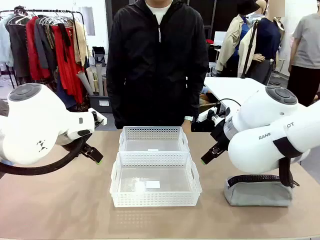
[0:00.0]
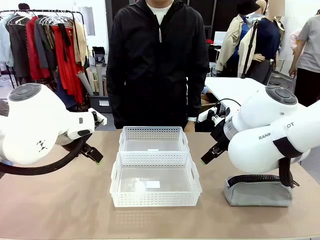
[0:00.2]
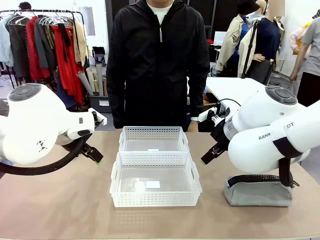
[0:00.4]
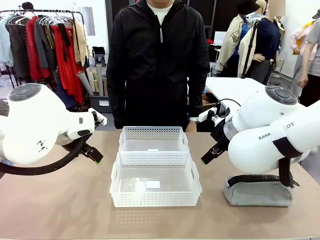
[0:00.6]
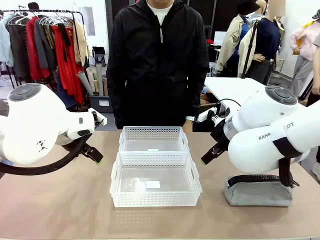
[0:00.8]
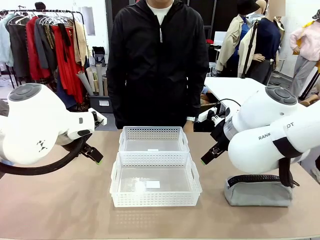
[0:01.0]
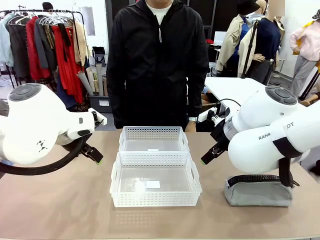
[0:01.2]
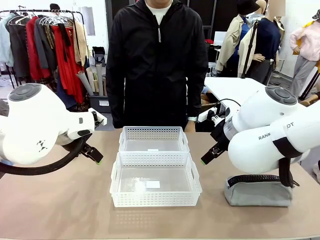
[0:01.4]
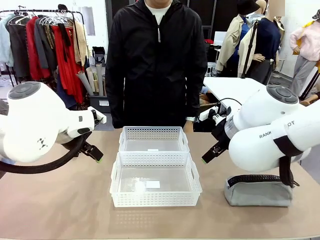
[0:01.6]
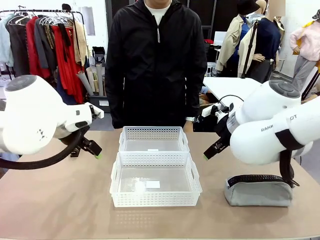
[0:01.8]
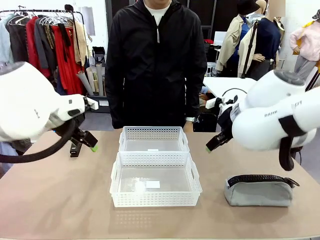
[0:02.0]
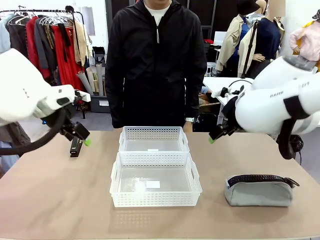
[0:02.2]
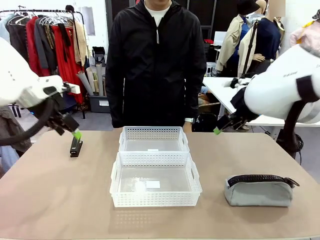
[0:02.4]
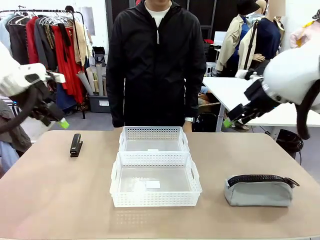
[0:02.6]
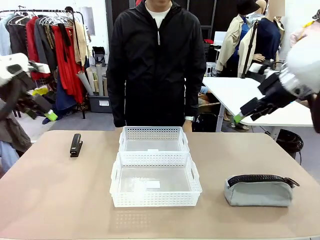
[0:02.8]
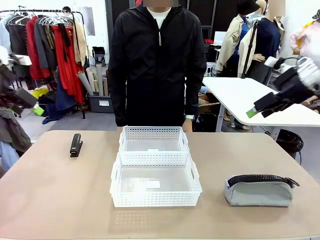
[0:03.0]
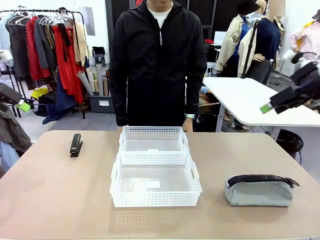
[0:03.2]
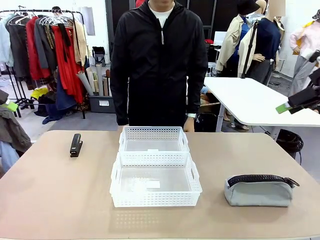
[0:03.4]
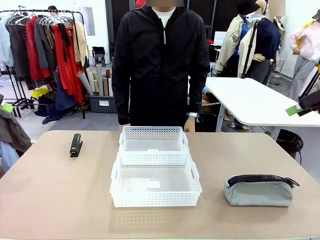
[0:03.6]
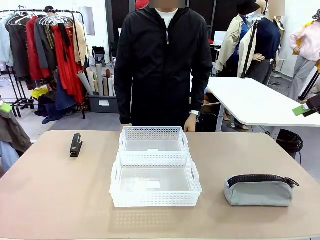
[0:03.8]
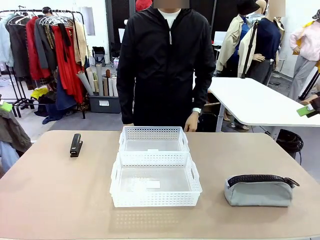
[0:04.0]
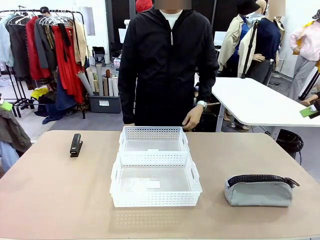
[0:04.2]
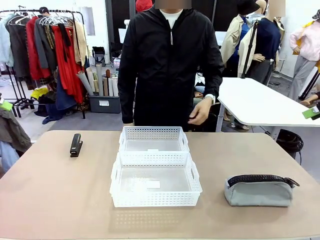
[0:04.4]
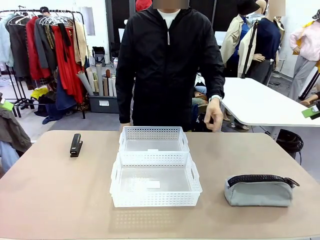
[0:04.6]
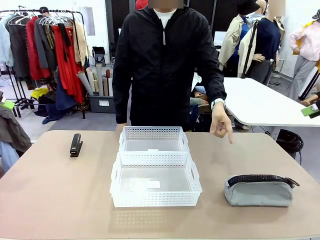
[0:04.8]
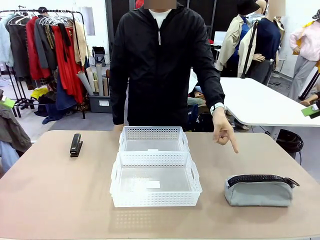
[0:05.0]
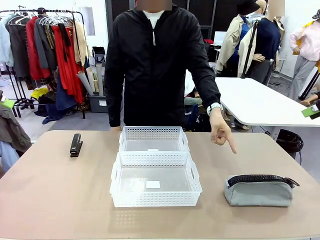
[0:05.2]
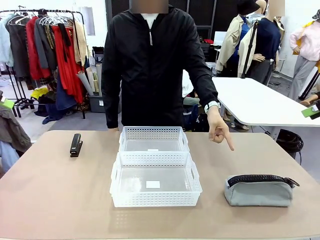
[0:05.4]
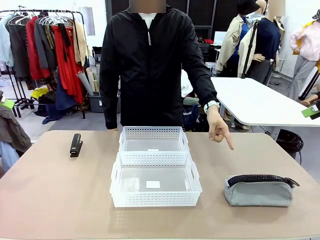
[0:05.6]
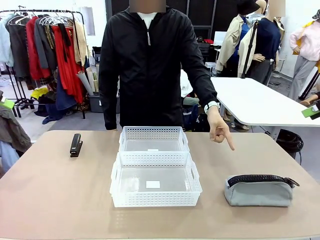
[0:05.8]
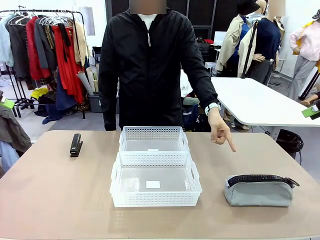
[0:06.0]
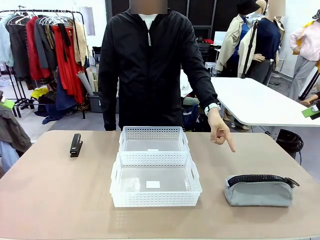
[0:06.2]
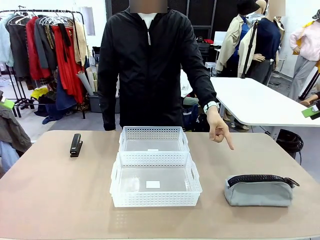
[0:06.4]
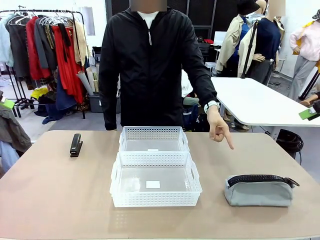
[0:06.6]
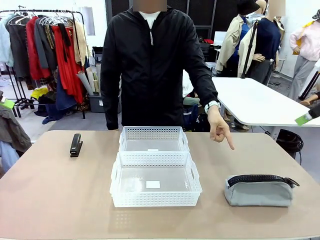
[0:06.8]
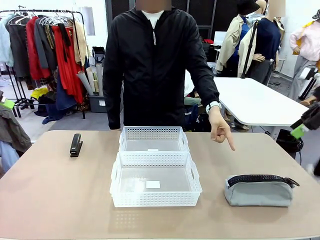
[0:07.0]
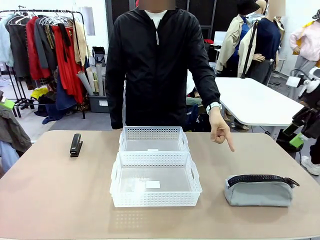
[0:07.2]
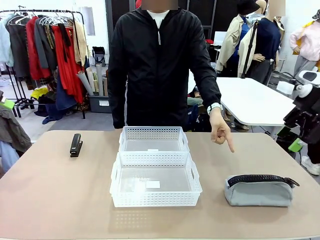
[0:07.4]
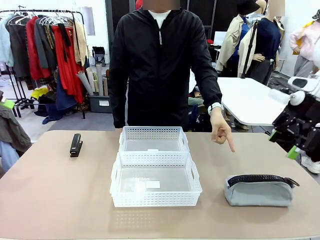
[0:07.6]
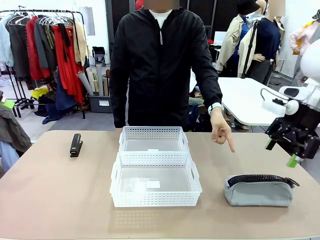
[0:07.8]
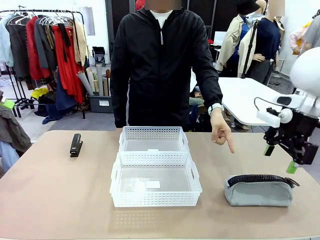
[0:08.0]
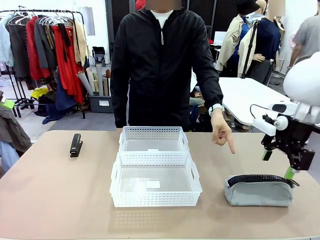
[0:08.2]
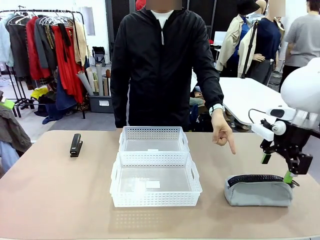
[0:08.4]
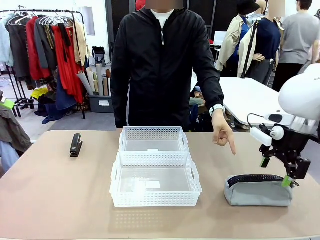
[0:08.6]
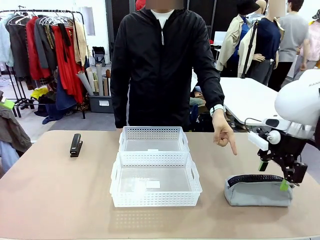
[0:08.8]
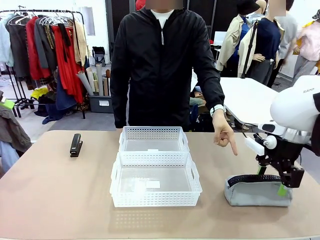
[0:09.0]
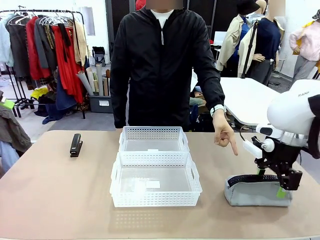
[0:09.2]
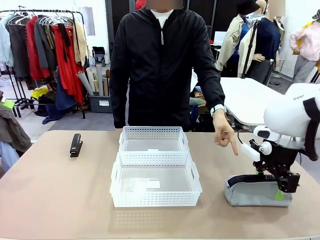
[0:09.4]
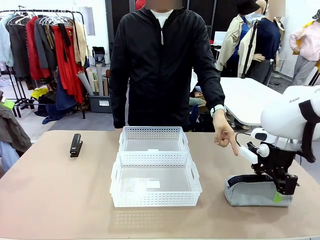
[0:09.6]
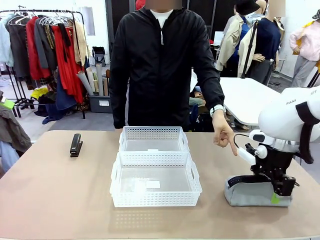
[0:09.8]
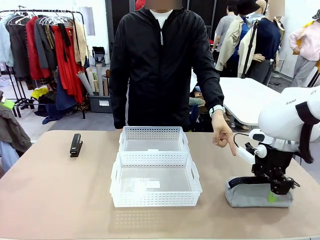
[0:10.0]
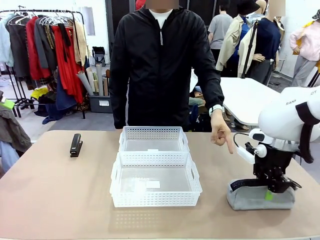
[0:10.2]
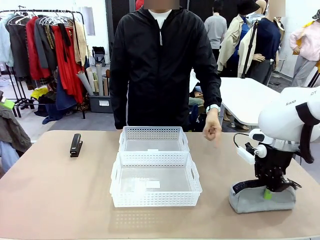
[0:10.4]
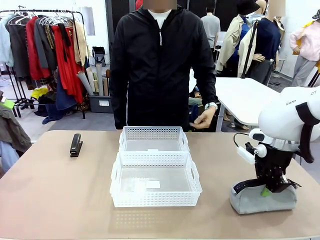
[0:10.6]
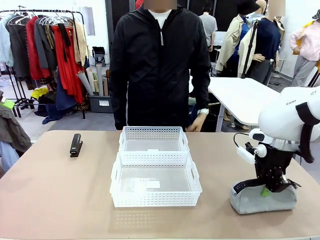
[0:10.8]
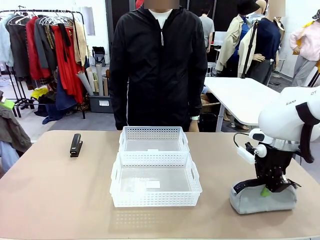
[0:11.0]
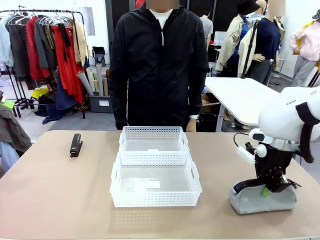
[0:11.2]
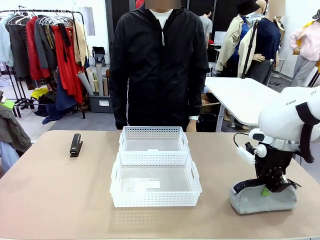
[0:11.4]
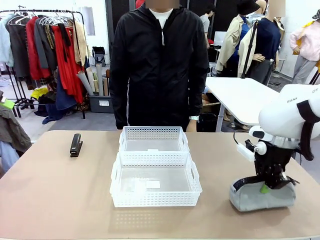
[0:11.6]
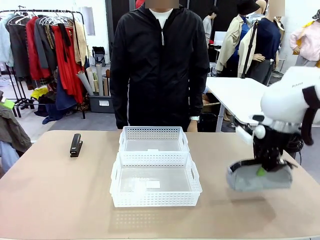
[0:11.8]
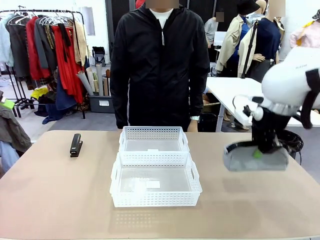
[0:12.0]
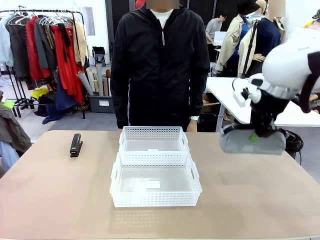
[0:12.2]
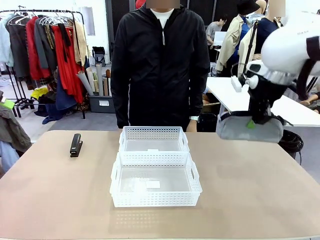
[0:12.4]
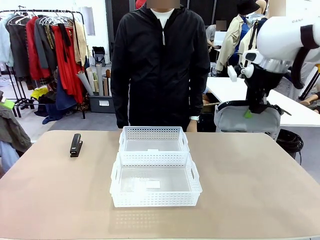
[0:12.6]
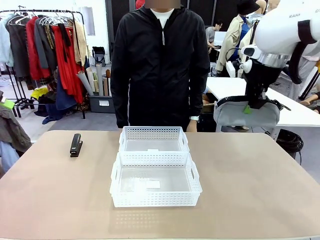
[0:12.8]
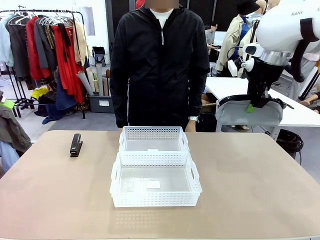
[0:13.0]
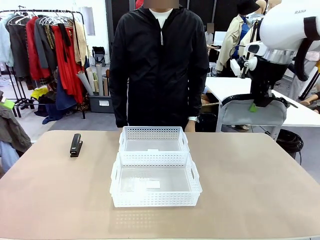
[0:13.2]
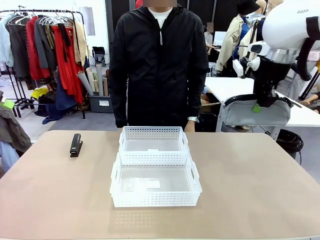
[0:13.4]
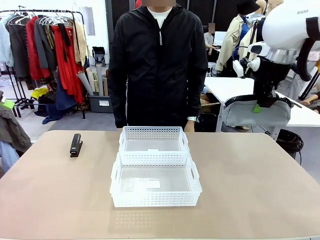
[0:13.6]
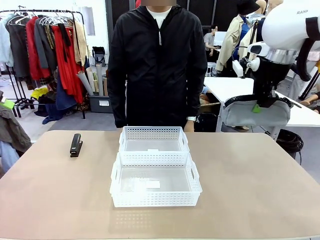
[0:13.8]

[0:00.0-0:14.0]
Task: Distribute items into two baskets.
Robot: Pick up the Pencil pouch that the person points to.
Person: Points to the pencil case. Points between the two organizing baskets and instructs the robot to move the pencil case.

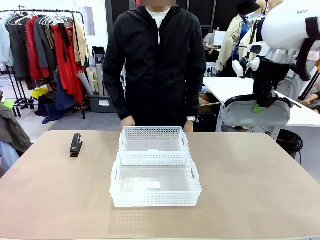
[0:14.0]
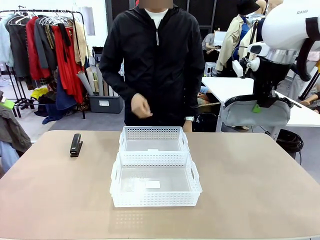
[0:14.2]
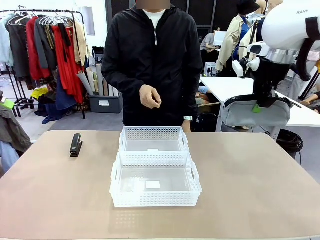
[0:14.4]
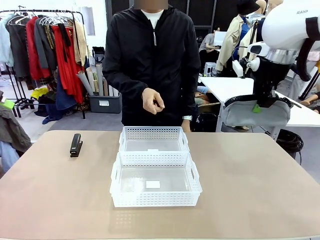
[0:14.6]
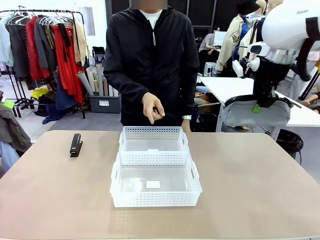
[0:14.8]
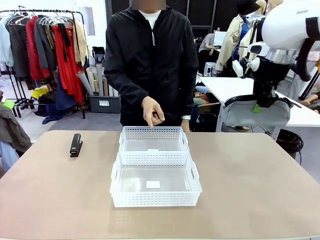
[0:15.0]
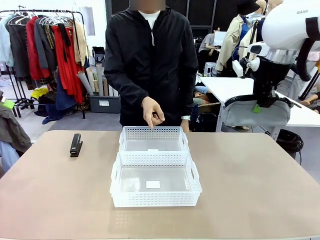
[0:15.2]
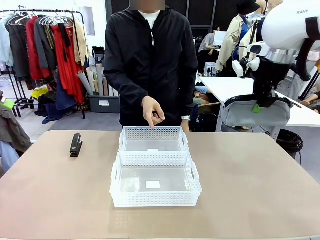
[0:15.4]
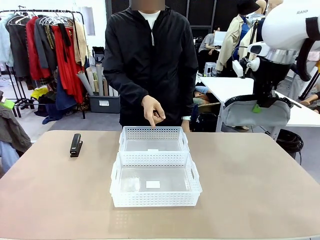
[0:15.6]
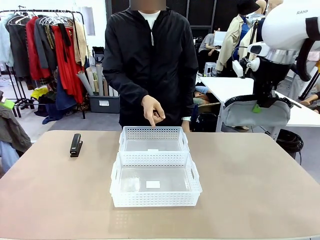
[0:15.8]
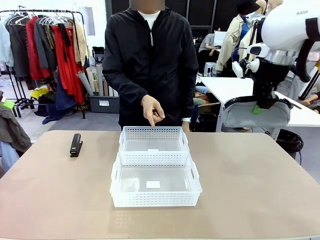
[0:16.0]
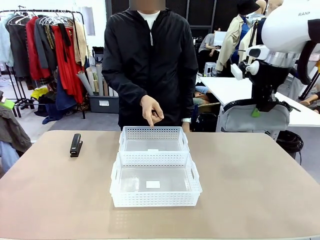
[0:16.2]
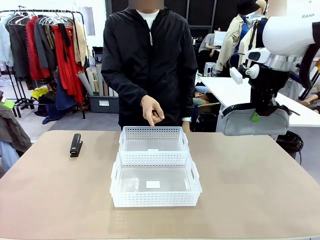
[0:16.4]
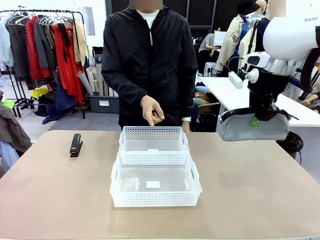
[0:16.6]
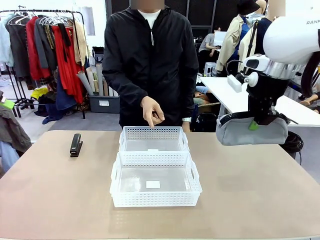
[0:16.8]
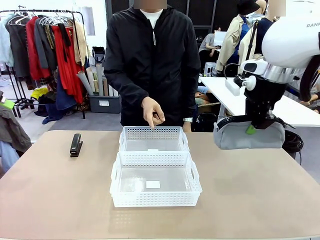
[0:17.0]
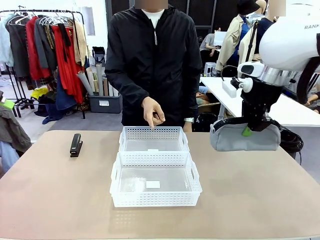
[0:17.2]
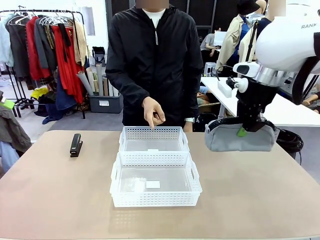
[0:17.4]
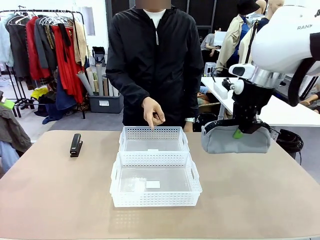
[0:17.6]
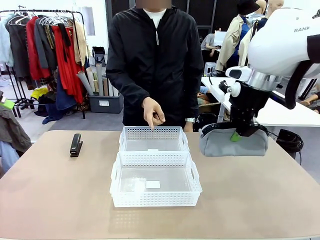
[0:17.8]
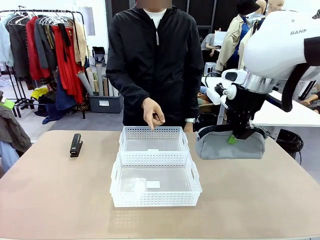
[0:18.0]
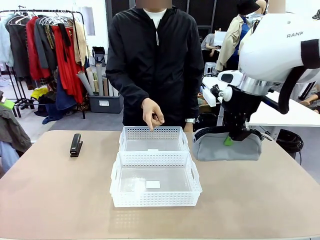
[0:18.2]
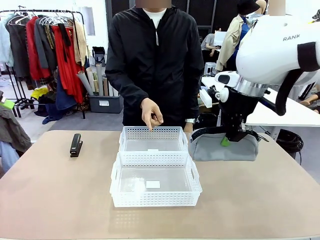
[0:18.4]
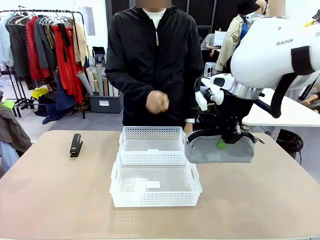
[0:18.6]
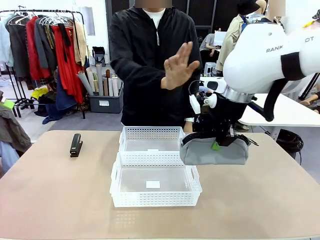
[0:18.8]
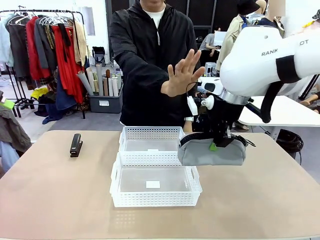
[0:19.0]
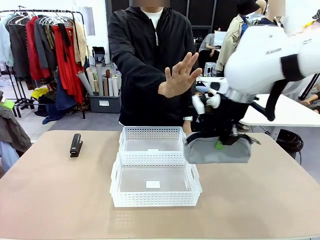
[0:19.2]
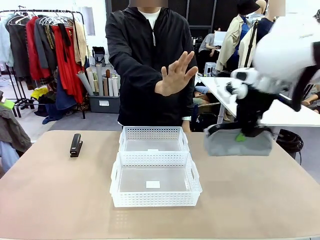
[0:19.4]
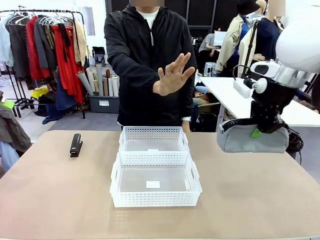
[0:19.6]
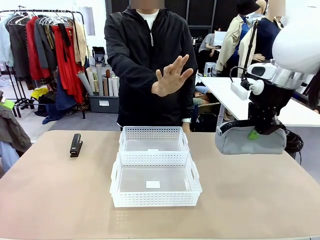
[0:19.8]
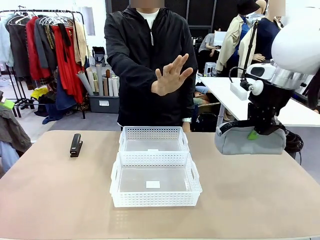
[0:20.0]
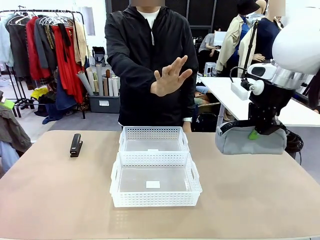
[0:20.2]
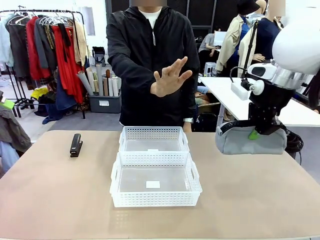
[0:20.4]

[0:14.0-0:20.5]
Robot: Move the picked Pencil pouch towards the Organizing basket indicated by the person, stopping as directed.
Person: Sends a stop gesture before the robot places the pencil case into the basket.
